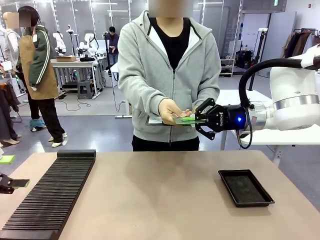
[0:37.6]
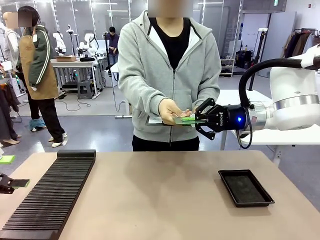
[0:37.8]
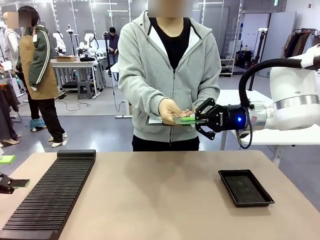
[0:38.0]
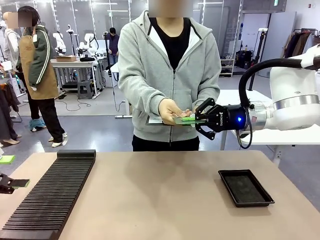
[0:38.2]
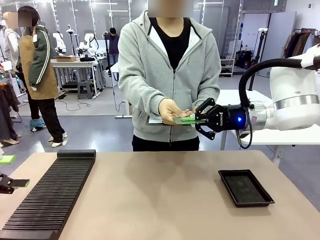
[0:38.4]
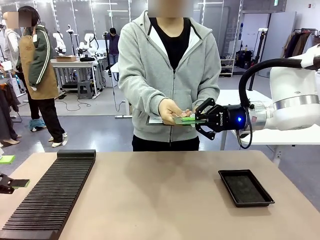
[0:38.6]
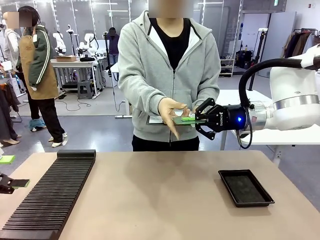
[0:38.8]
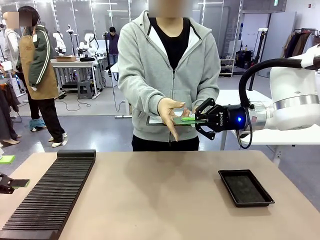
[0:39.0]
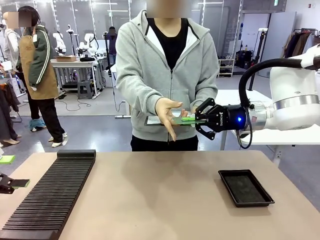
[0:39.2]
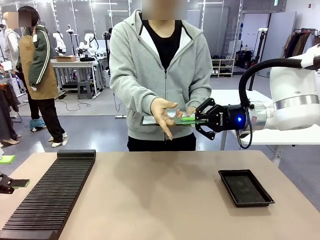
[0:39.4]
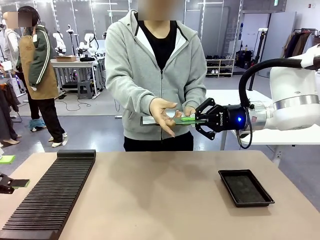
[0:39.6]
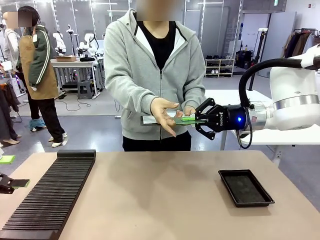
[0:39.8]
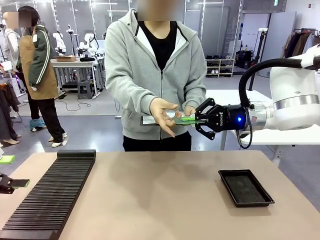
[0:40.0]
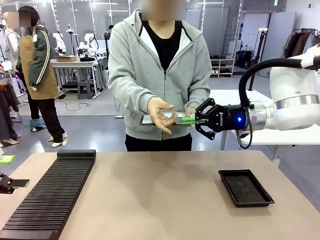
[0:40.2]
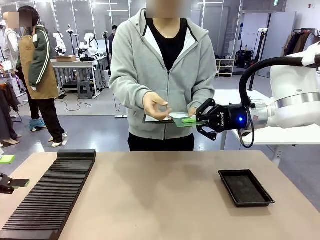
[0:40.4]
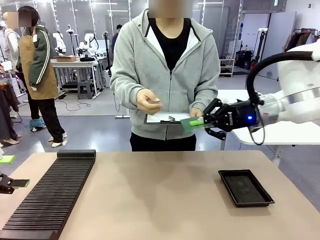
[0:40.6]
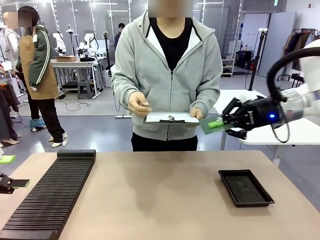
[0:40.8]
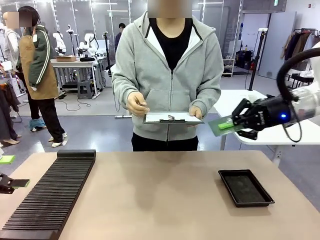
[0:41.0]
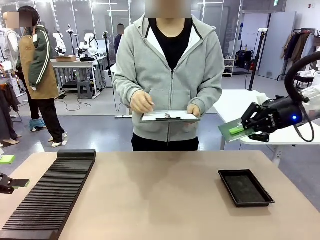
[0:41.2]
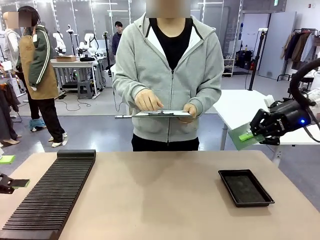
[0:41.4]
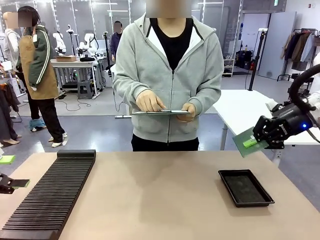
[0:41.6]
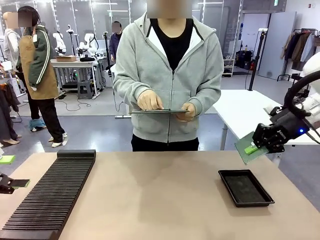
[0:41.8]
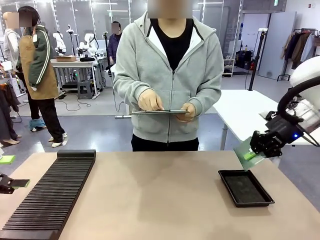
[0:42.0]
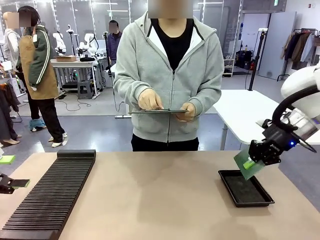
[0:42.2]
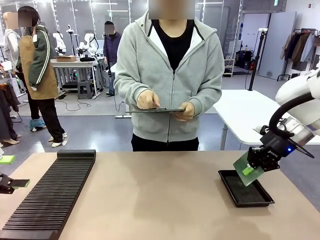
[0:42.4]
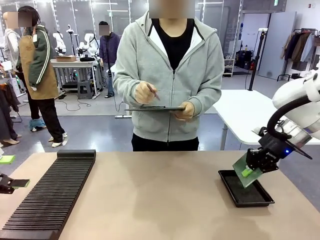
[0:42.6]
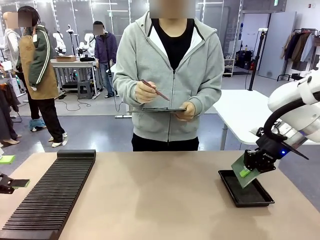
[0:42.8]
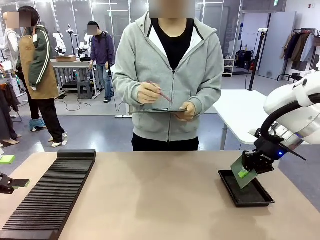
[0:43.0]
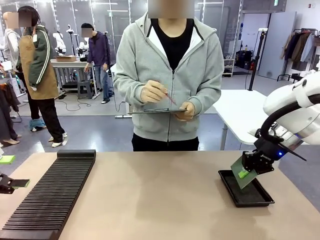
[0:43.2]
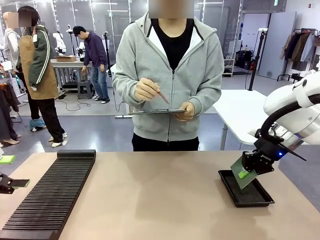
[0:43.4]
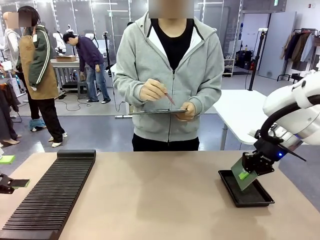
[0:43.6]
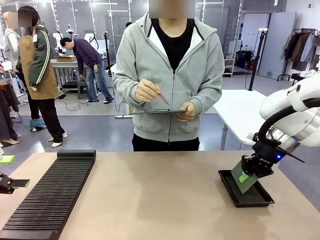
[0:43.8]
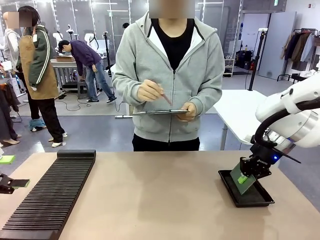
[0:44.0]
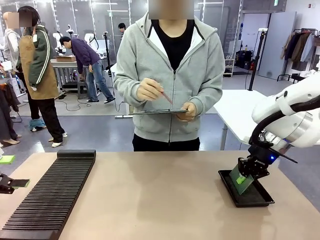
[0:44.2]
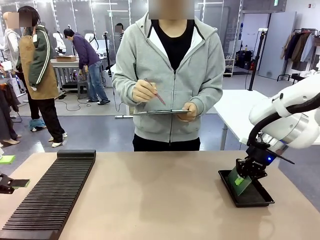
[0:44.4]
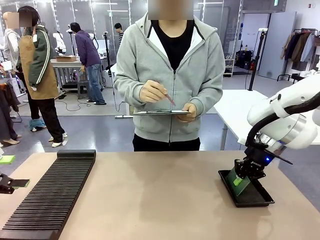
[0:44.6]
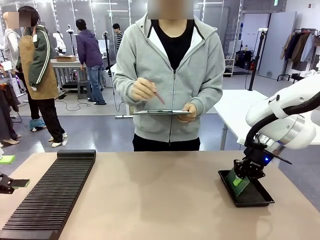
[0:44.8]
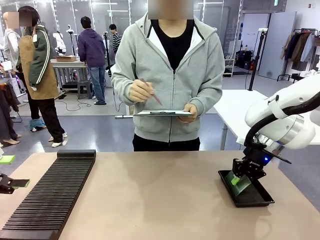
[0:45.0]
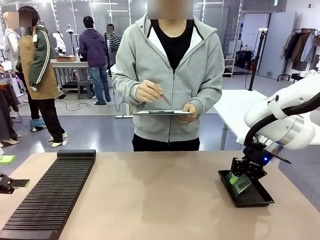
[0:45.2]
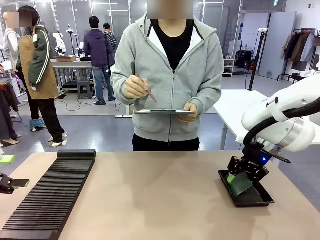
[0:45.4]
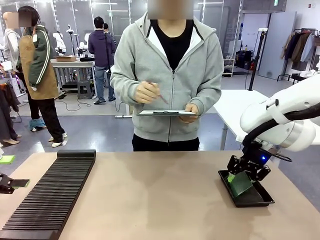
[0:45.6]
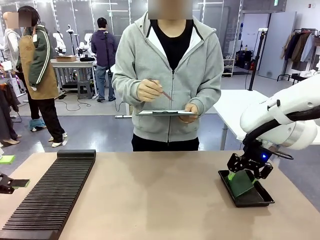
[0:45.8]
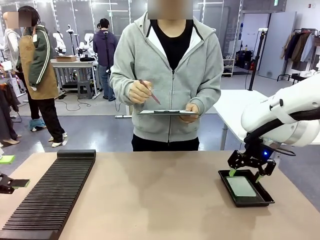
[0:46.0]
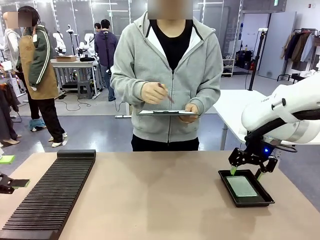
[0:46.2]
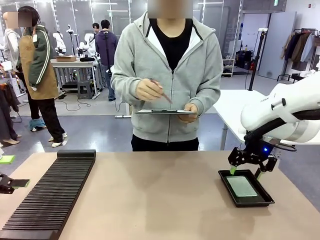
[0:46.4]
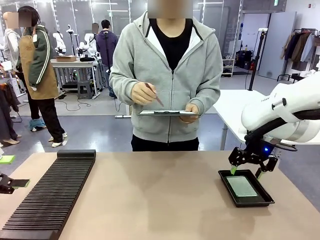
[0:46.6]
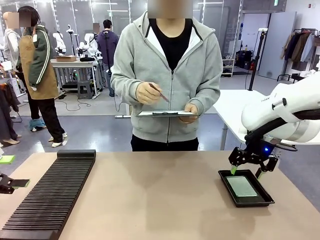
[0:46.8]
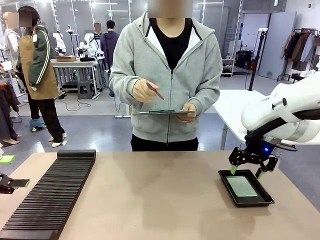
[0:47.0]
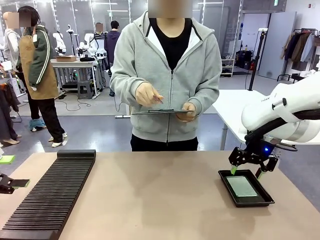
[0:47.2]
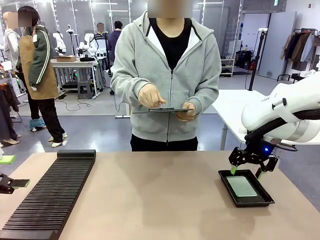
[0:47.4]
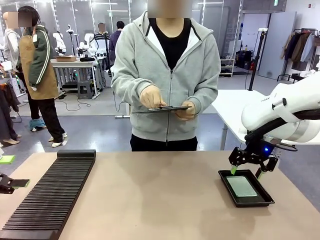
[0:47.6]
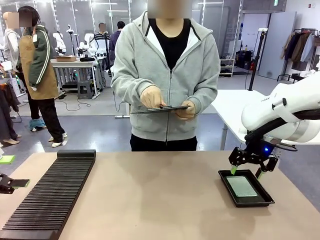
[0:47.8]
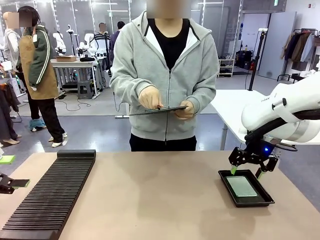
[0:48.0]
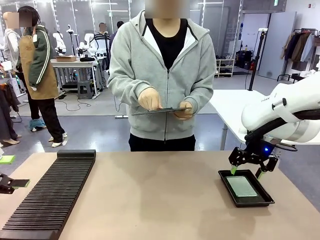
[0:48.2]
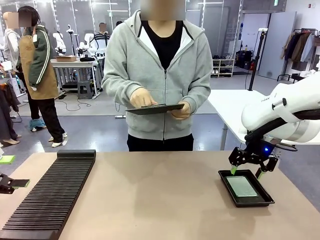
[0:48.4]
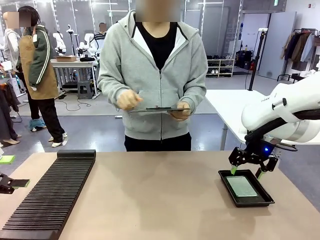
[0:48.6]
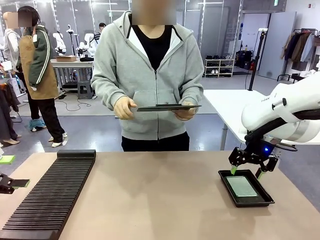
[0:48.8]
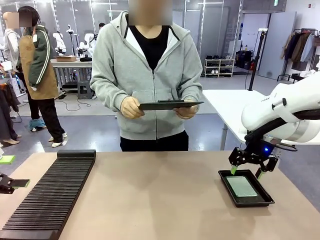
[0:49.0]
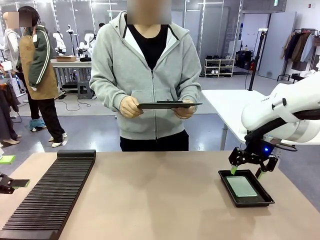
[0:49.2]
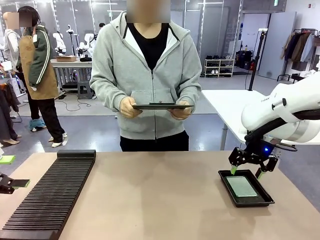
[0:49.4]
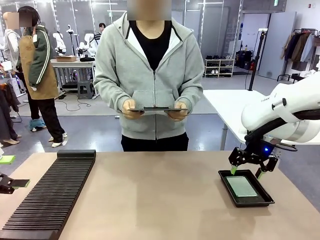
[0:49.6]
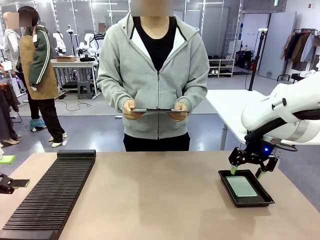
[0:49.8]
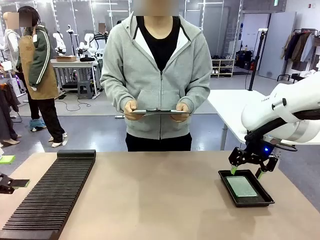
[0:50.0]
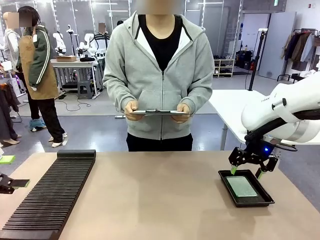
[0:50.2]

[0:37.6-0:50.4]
Task: Inspect the PCB.
Robot: Place the Blank PCB in the ESD tray.
Person: Record the PCB status on the paper.

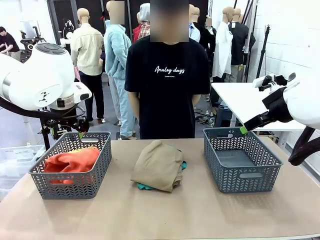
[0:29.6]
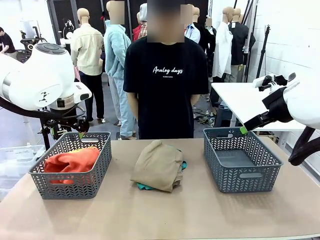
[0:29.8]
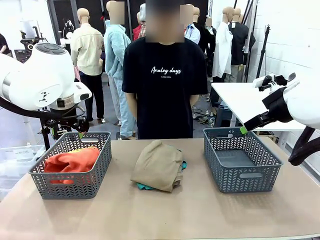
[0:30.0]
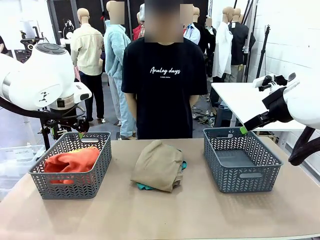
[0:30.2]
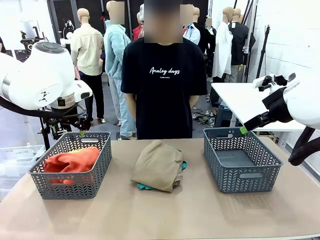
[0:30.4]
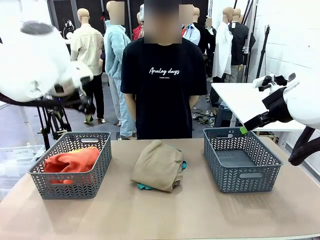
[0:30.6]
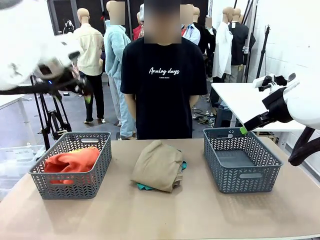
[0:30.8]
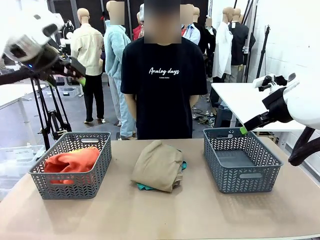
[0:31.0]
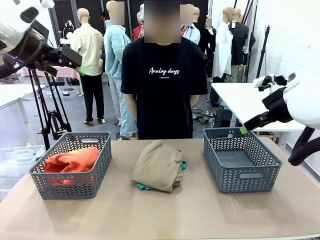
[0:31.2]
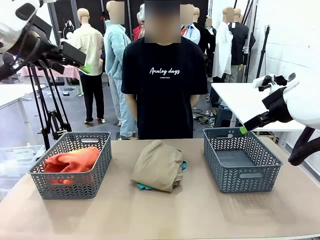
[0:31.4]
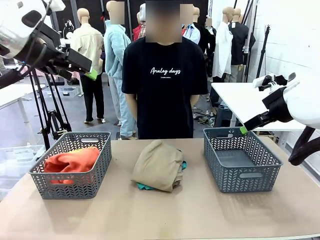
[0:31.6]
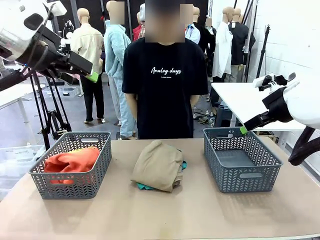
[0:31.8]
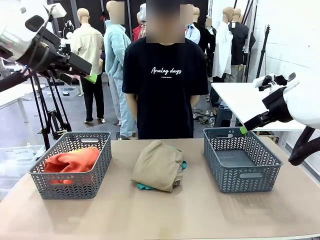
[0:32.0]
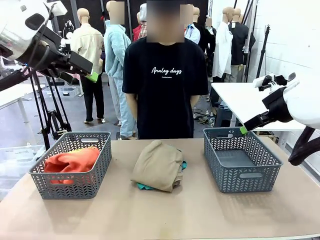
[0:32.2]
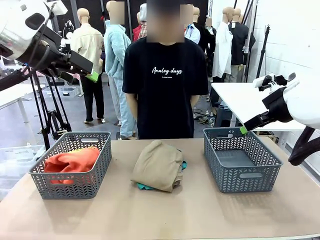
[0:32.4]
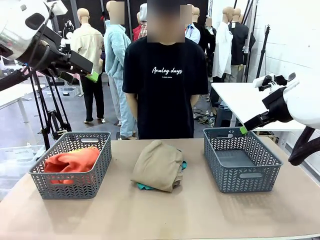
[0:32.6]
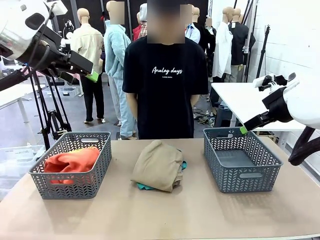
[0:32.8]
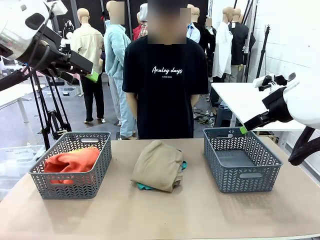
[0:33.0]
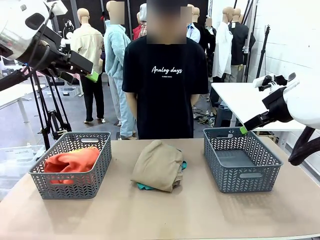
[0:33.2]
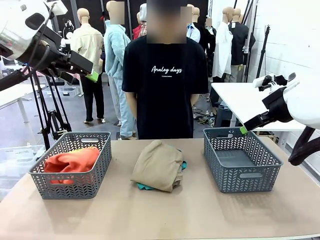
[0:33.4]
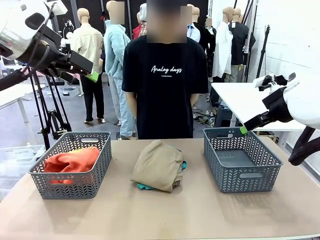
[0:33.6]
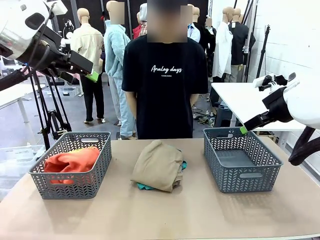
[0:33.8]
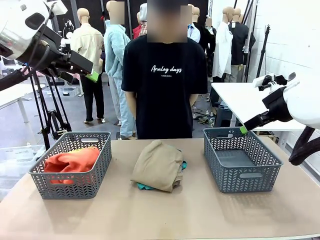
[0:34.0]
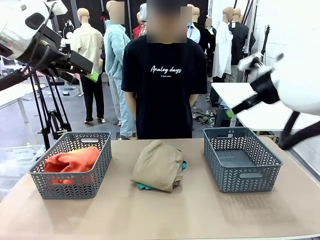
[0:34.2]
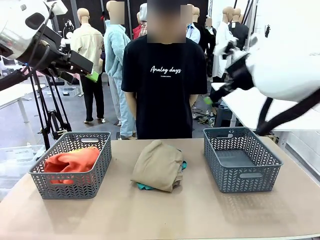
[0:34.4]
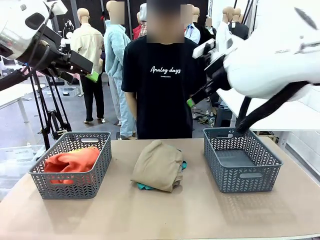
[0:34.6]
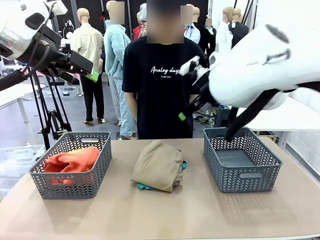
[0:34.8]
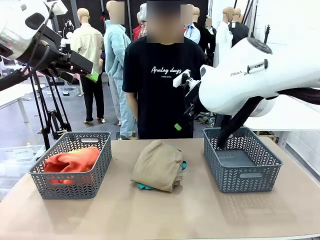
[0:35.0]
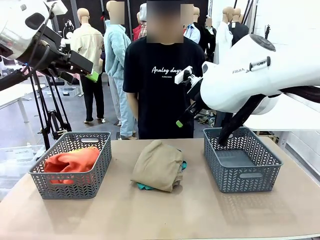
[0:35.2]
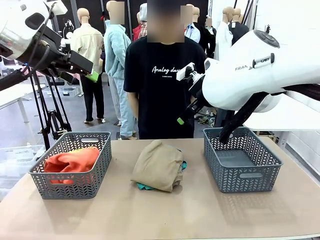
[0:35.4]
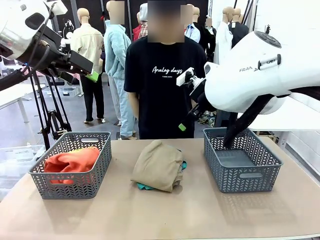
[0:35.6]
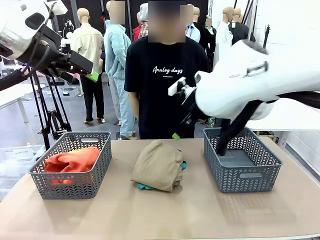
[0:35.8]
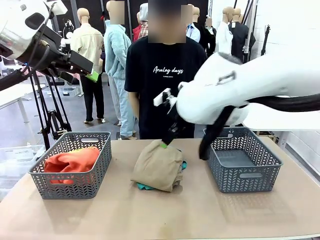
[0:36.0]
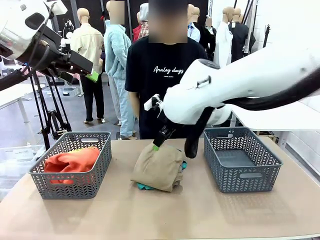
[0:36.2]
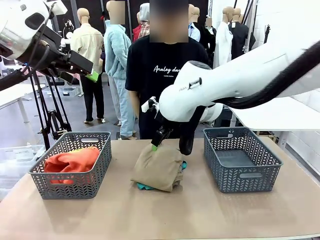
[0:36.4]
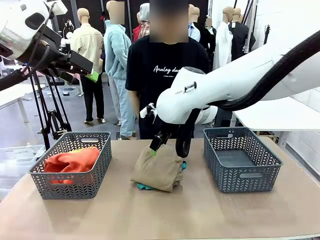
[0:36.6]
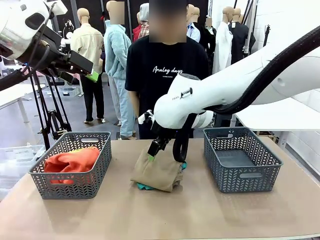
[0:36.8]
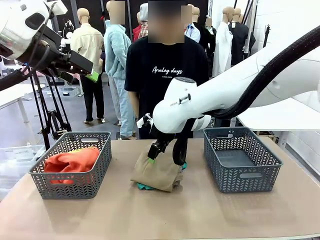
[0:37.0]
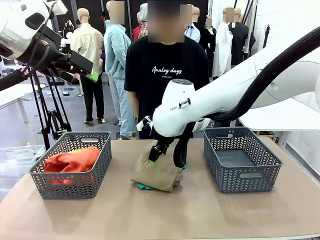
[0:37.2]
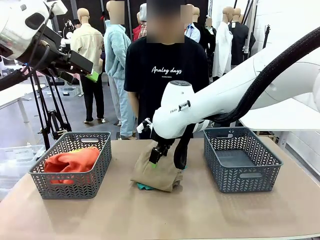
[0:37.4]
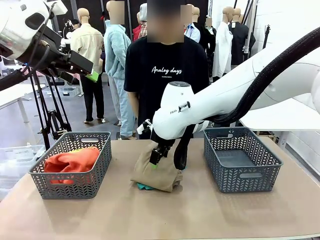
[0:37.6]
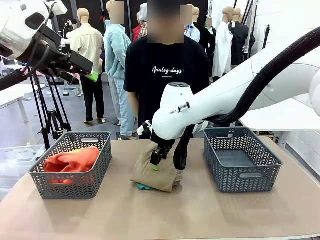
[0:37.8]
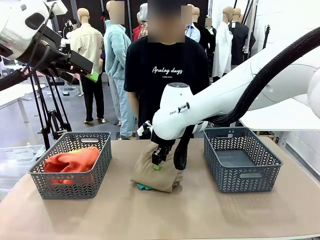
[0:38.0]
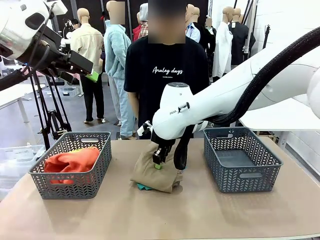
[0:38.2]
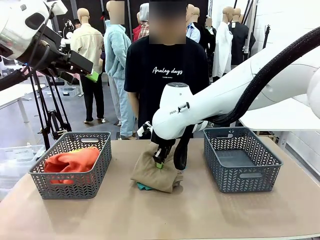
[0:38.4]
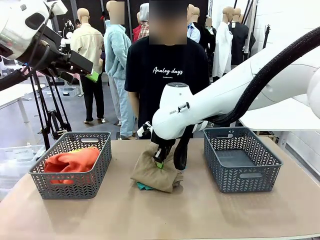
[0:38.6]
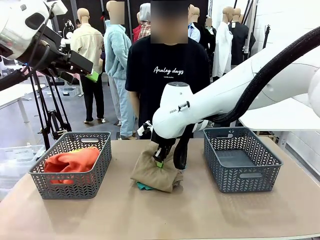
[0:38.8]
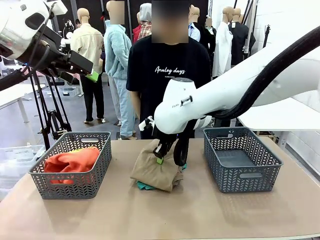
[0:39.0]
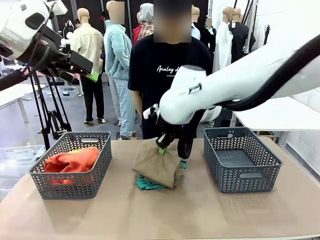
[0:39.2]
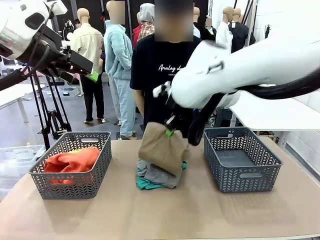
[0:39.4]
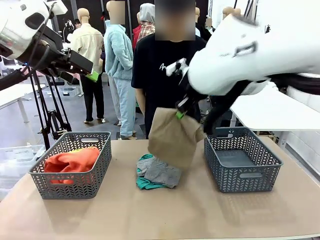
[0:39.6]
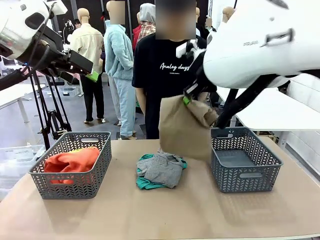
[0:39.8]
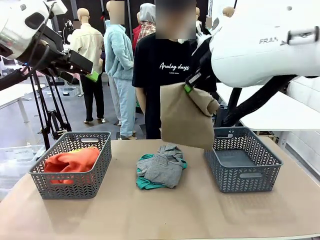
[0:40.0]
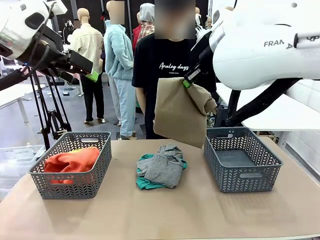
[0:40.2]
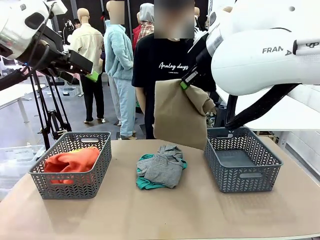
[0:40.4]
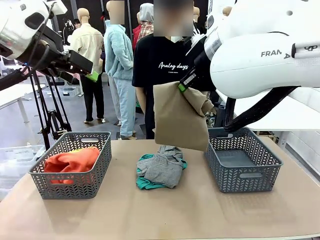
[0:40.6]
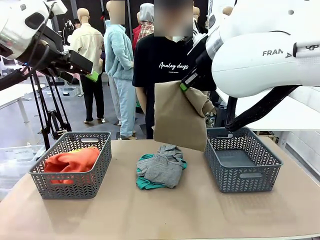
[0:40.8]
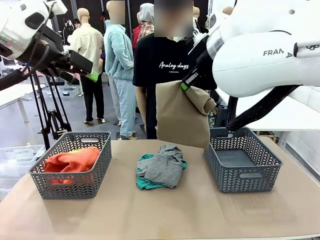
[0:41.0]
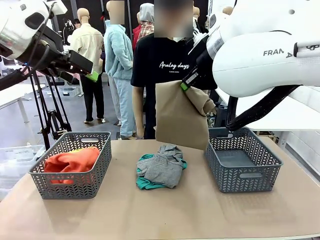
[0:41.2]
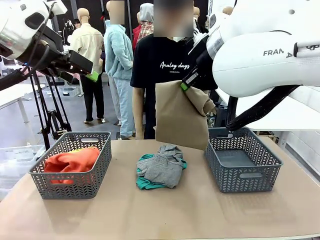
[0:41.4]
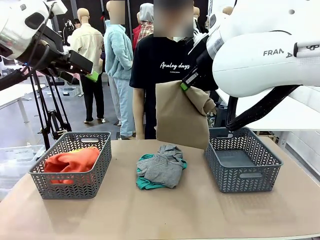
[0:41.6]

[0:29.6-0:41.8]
Task: Sort the tops and bottoms.
Robot: Lift clothes from the center of the table with your right hand.
